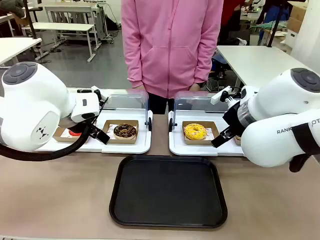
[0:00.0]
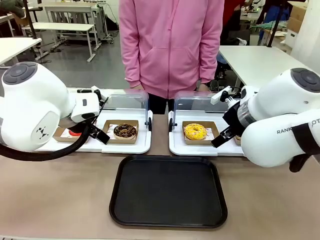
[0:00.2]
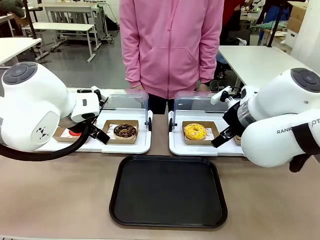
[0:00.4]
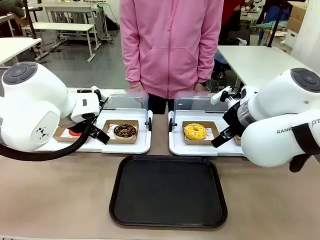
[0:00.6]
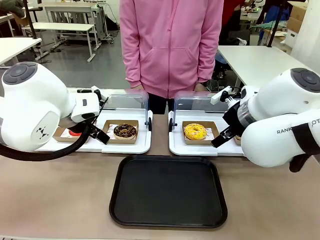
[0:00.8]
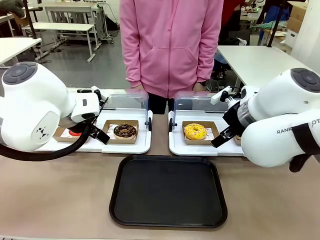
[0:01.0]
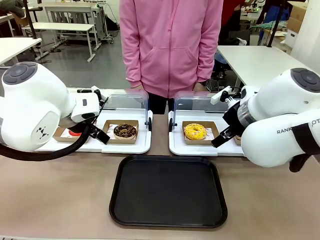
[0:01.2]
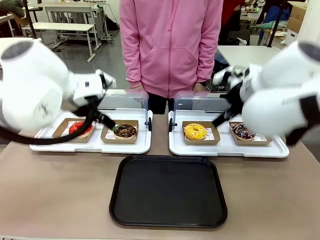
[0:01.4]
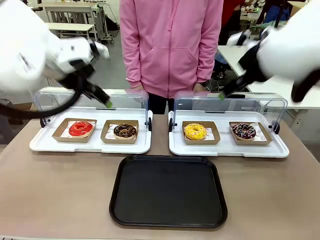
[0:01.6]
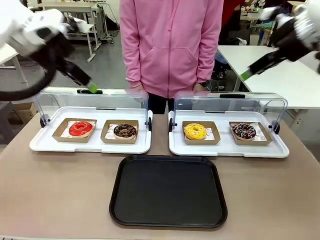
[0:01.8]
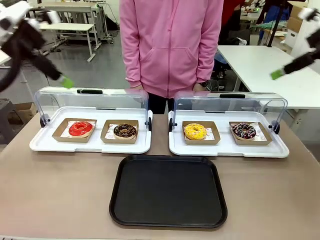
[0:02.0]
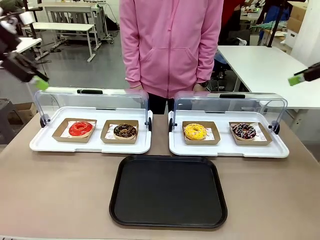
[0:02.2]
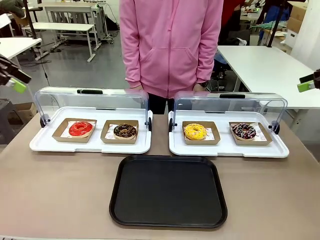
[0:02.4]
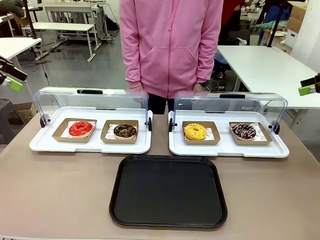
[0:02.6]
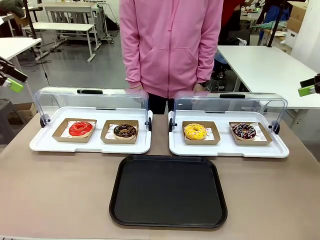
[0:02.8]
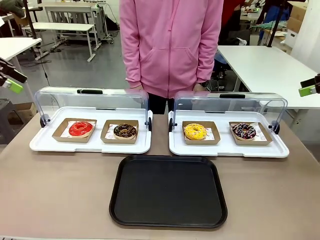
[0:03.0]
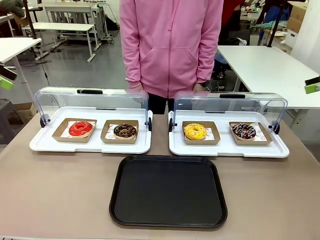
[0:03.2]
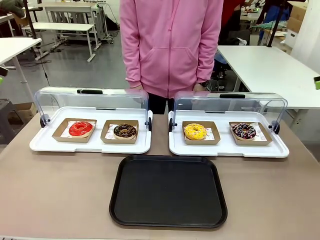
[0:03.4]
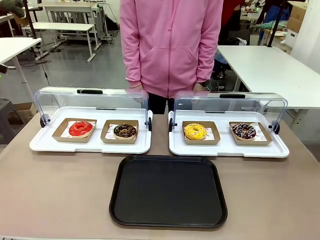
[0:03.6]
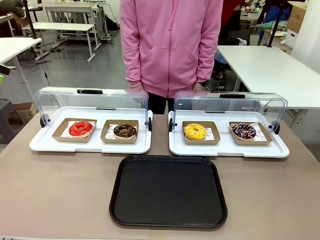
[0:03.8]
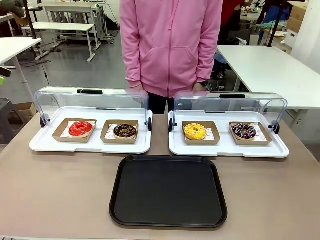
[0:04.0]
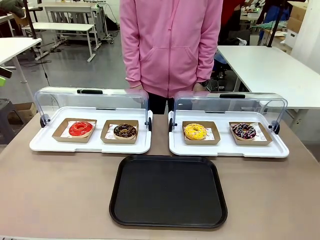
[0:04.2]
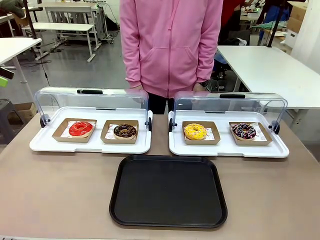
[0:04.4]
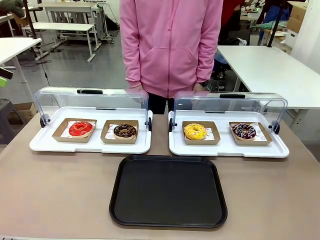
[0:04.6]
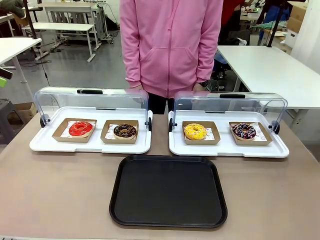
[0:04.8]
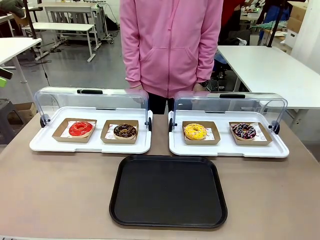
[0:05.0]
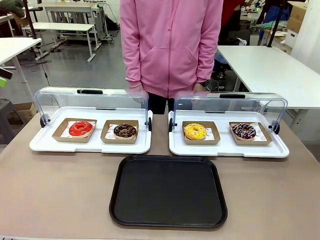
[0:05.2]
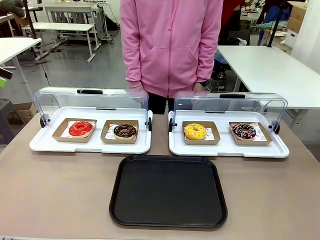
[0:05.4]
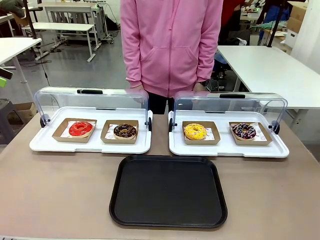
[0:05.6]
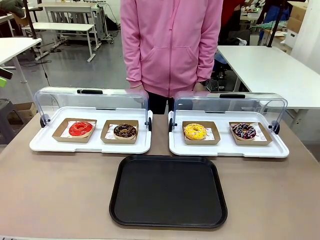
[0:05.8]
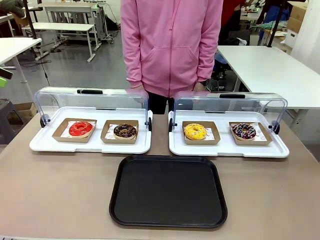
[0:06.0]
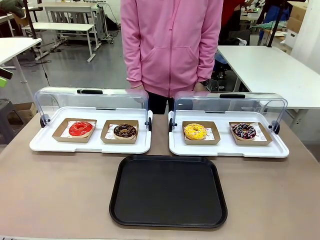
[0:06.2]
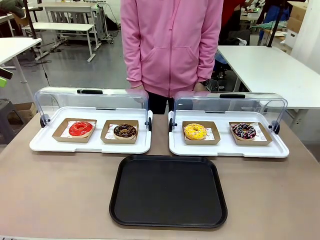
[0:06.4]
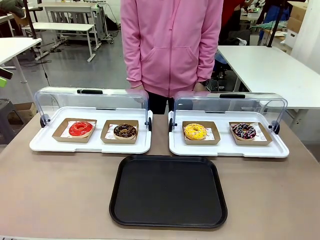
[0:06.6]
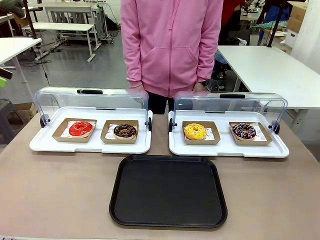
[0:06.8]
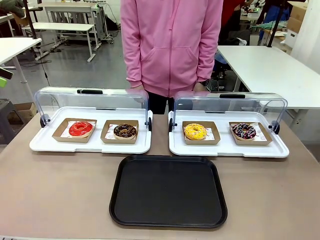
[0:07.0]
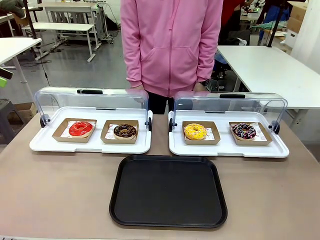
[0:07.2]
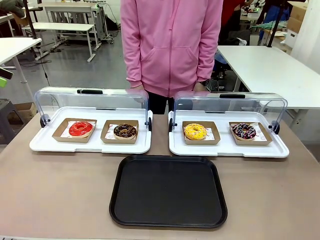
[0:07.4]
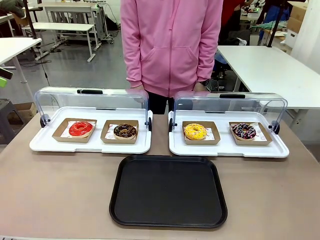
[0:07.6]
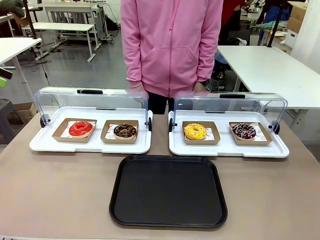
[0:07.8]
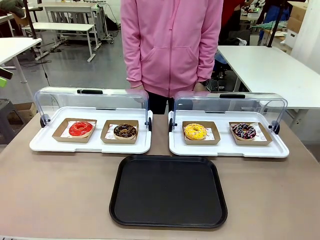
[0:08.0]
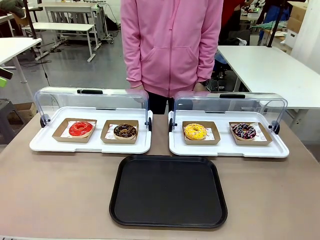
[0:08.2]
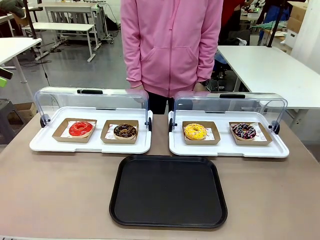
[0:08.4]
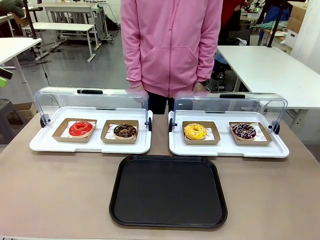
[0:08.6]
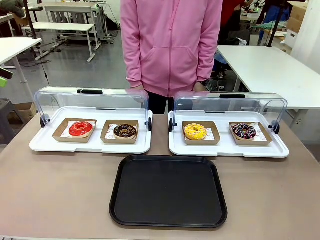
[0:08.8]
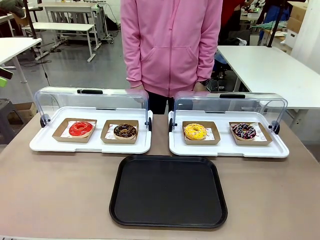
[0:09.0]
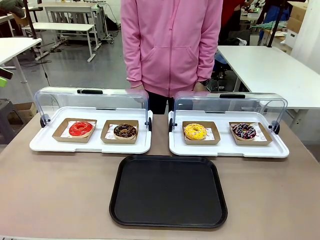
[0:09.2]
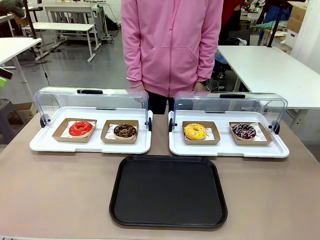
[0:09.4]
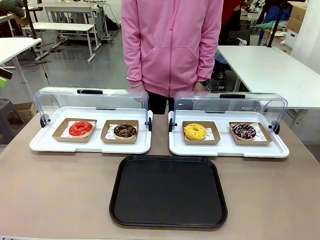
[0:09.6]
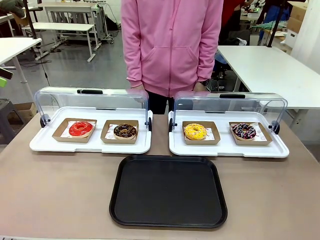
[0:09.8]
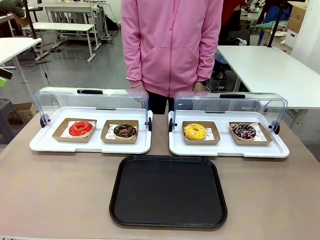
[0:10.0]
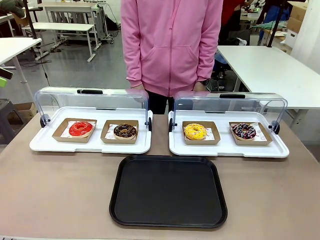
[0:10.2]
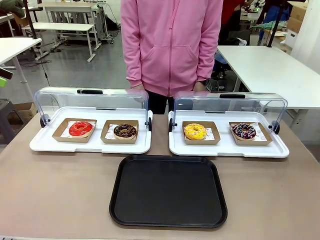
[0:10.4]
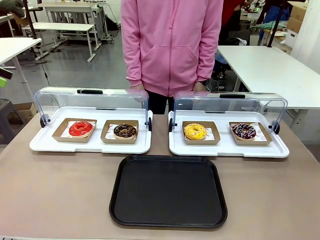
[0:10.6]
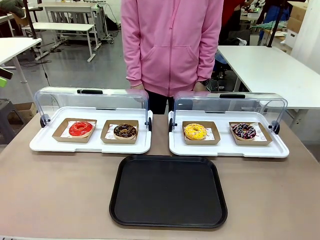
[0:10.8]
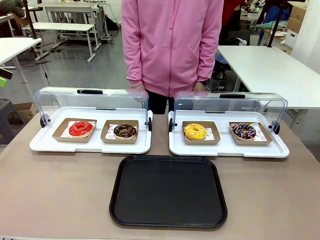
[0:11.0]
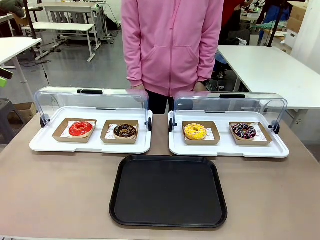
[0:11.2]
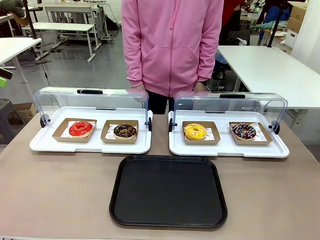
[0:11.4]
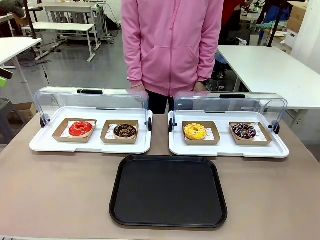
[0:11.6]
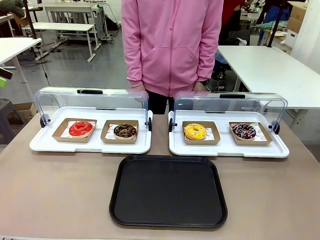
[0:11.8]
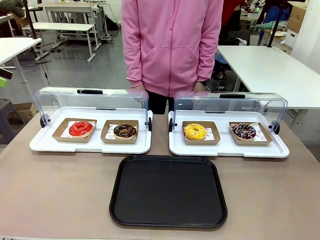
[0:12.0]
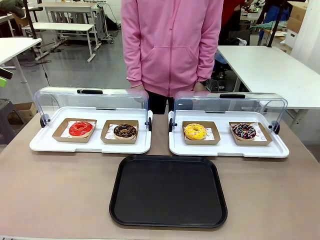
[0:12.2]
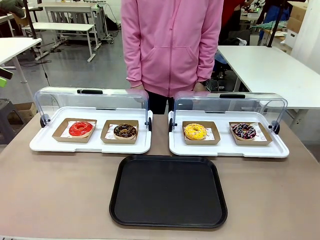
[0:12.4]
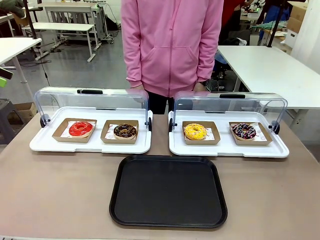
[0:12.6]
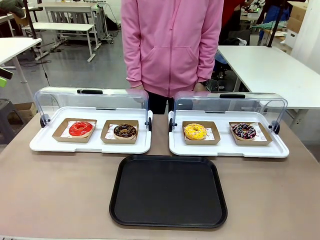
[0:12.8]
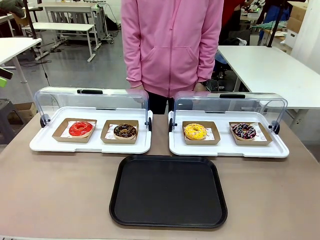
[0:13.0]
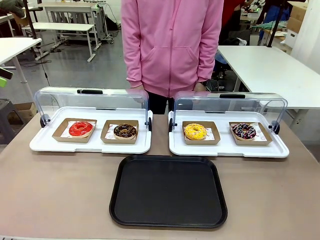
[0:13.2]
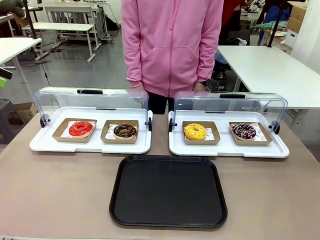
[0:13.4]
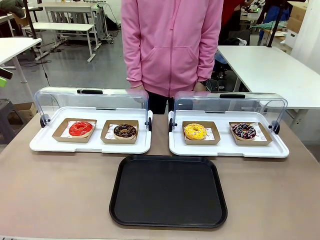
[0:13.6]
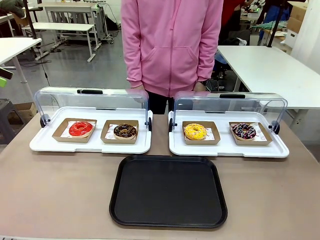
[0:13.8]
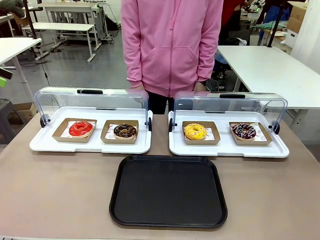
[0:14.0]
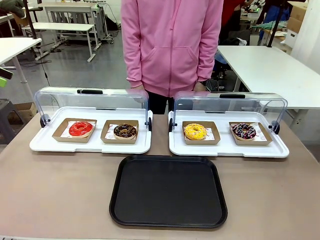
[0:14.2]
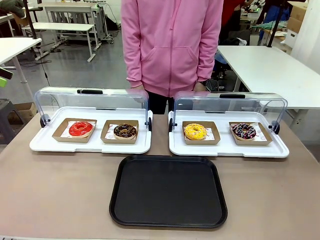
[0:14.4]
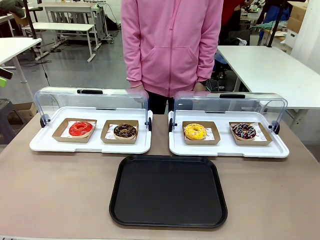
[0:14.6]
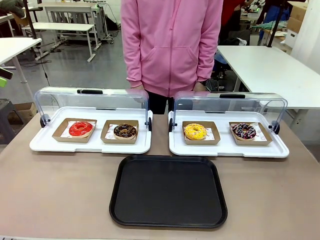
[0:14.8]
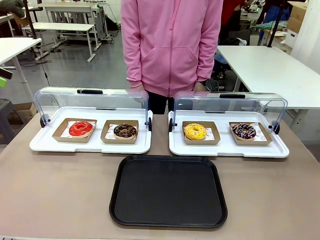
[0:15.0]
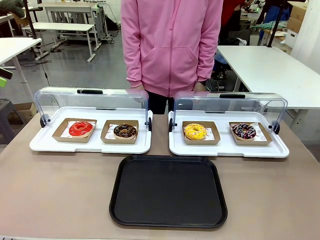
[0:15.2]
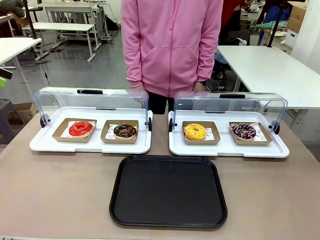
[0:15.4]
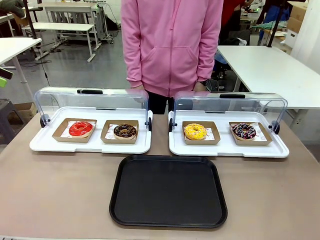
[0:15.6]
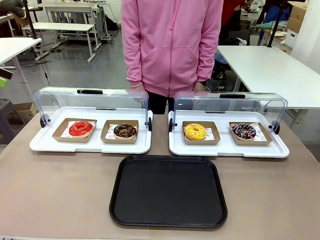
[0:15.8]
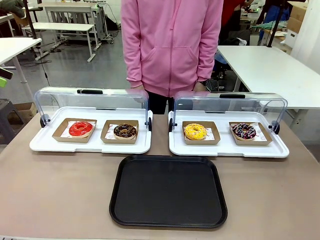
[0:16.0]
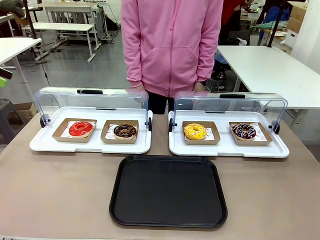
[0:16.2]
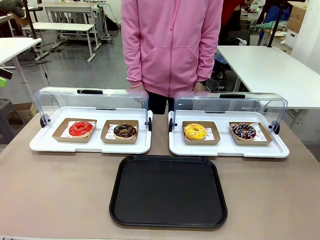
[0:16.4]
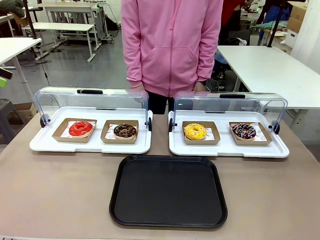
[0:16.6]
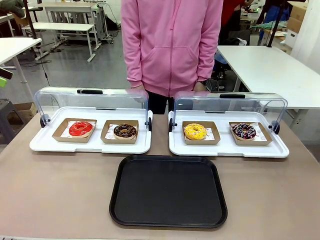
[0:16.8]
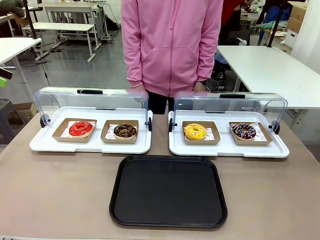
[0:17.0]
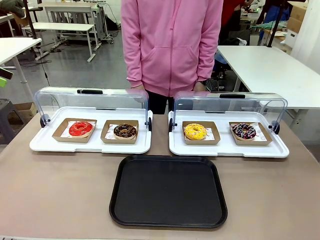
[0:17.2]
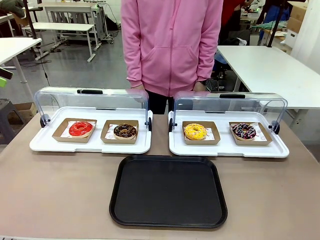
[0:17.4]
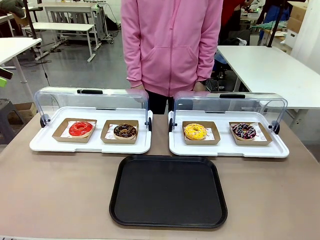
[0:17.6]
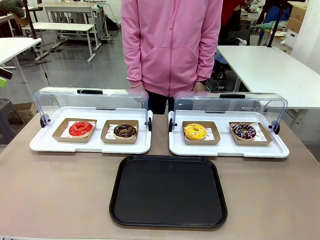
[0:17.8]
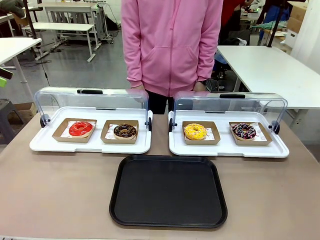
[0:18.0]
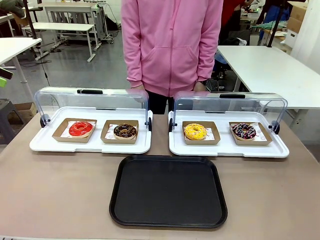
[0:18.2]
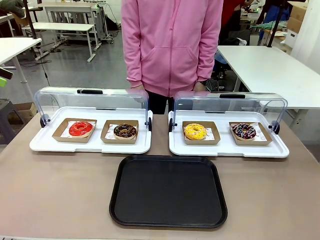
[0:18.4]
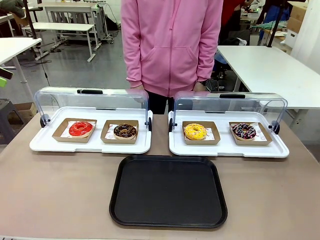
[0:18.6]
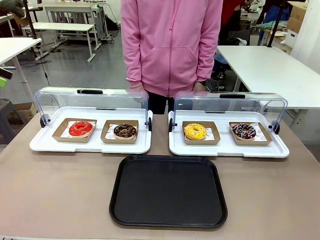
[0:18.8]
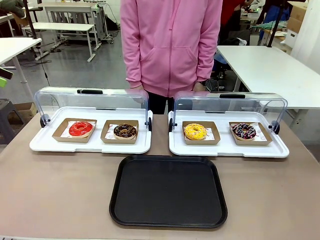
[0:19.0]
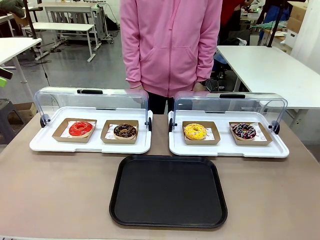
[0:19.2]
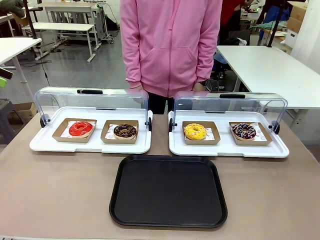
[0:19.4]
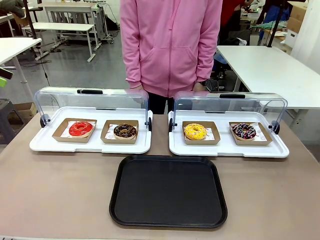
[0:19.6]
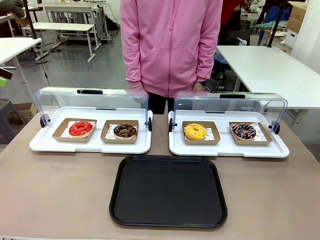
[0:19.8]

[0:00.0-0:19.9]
Task: Move the first donut from the left to the tray.
Robot: Pick up the Paper togo box containing the Donut indicated by the person and place it on the Handle tray.
